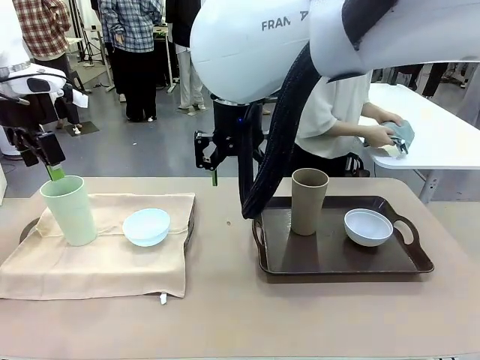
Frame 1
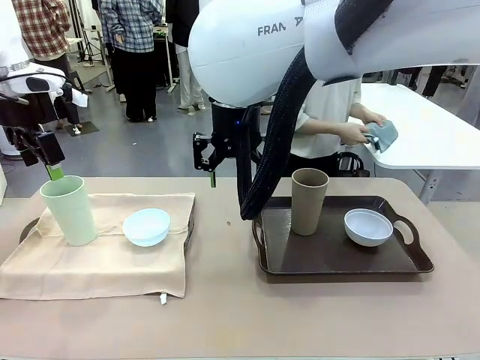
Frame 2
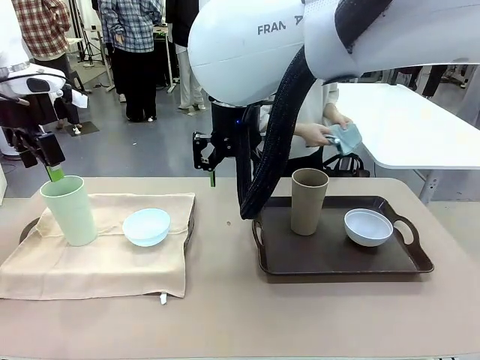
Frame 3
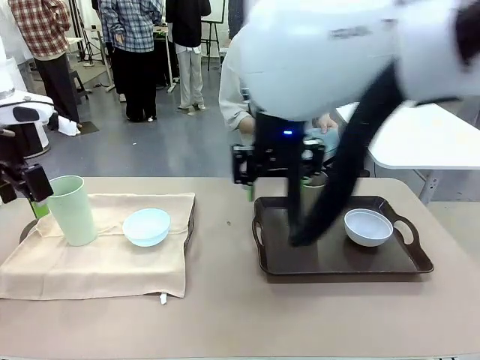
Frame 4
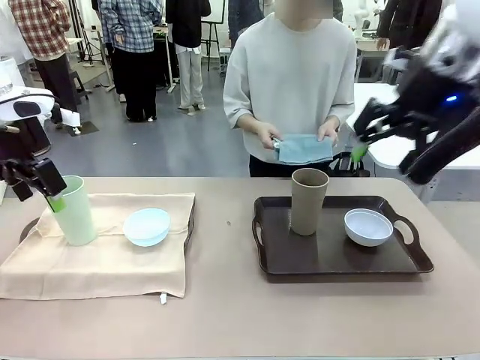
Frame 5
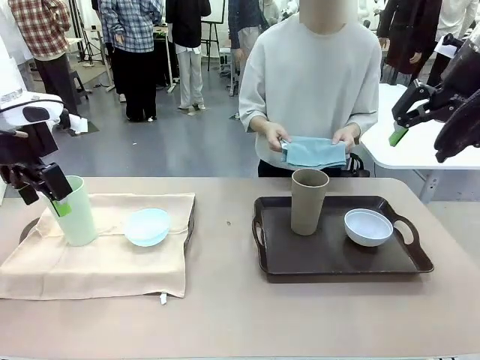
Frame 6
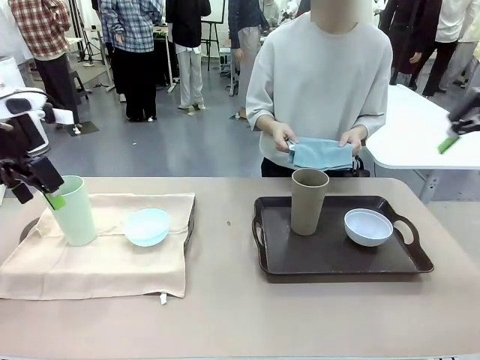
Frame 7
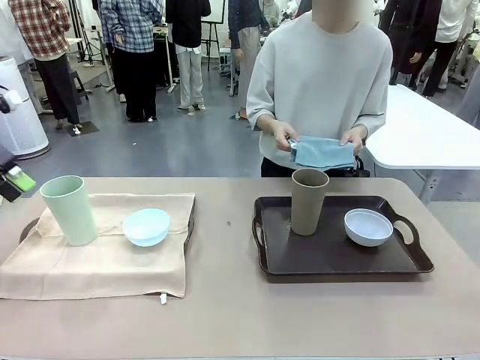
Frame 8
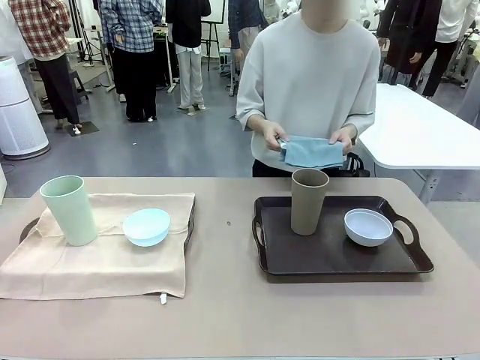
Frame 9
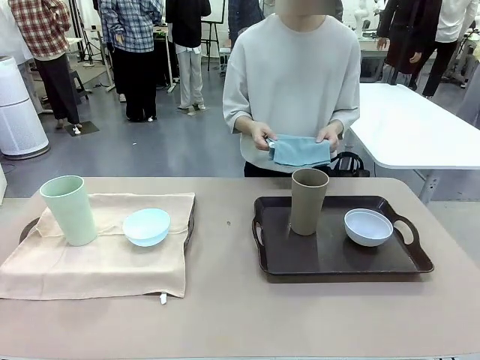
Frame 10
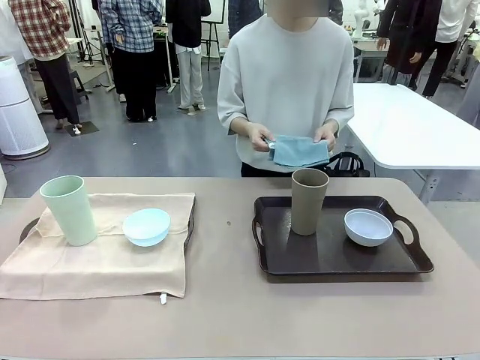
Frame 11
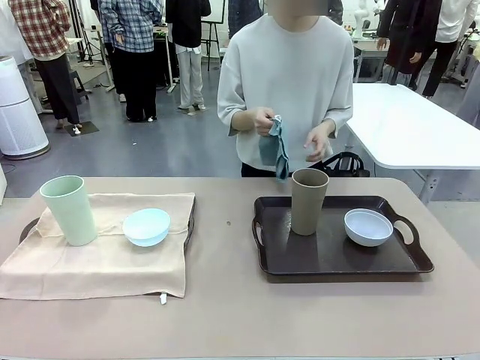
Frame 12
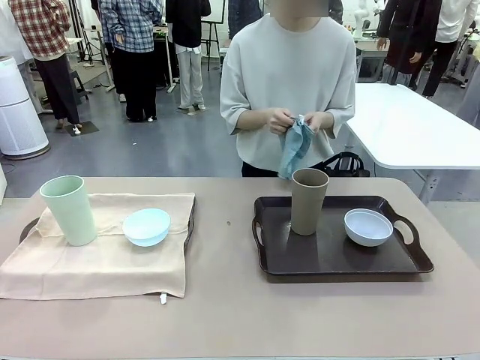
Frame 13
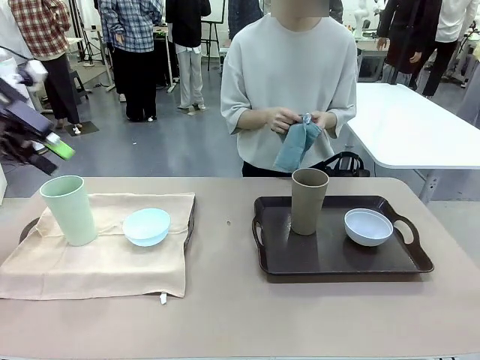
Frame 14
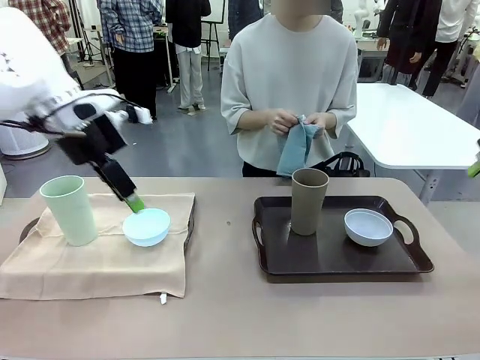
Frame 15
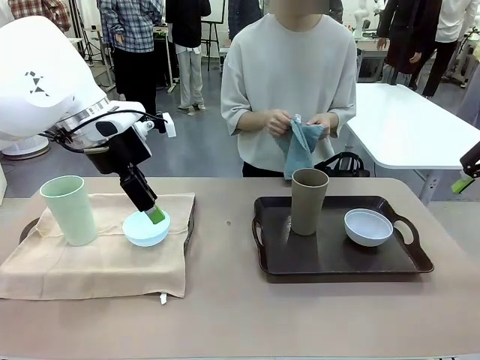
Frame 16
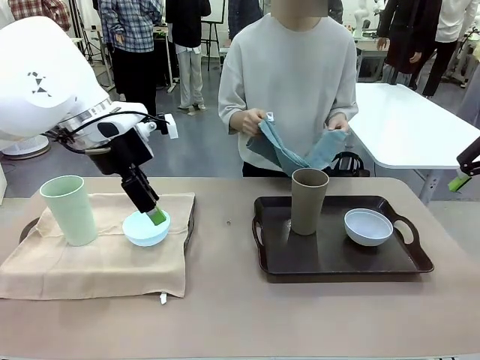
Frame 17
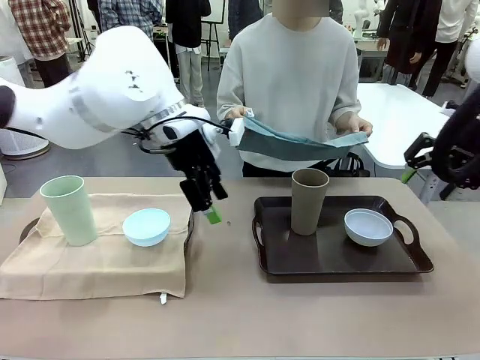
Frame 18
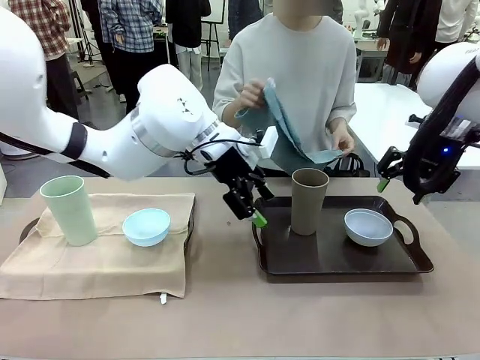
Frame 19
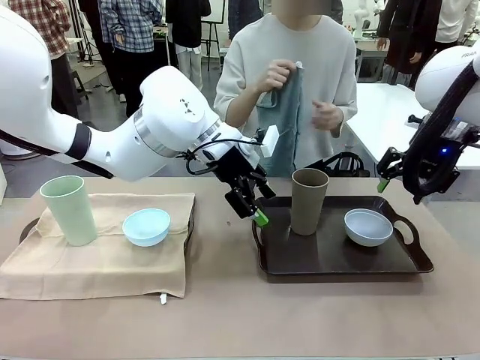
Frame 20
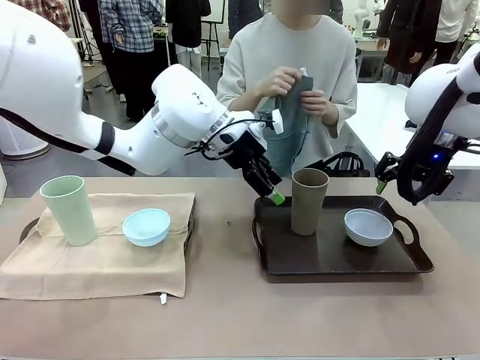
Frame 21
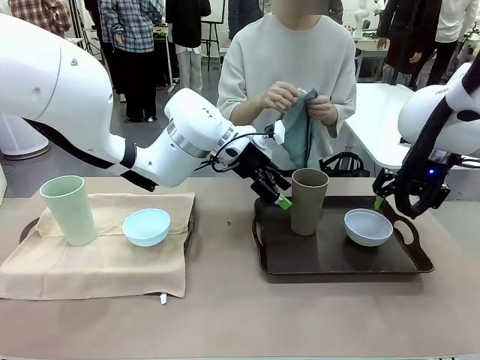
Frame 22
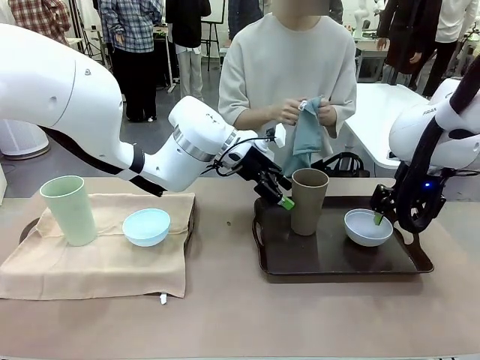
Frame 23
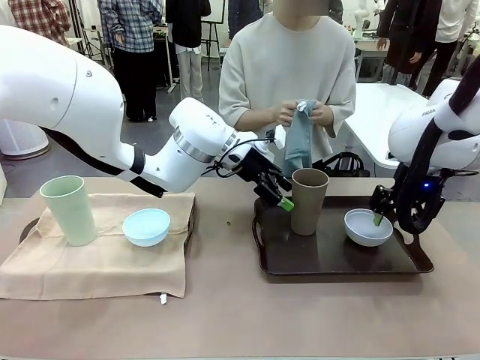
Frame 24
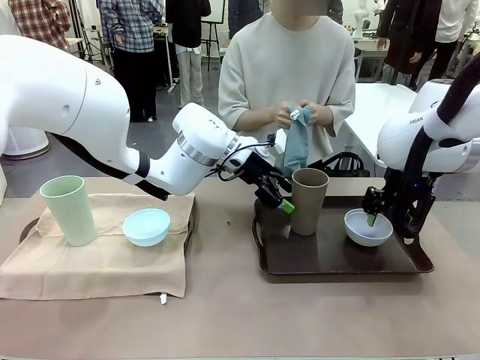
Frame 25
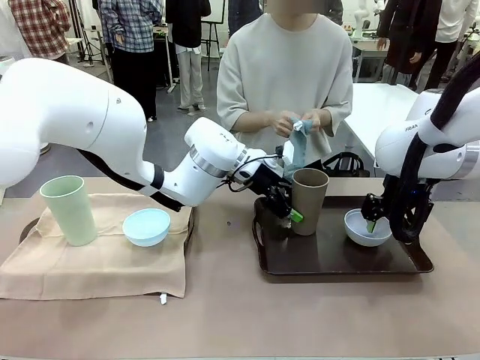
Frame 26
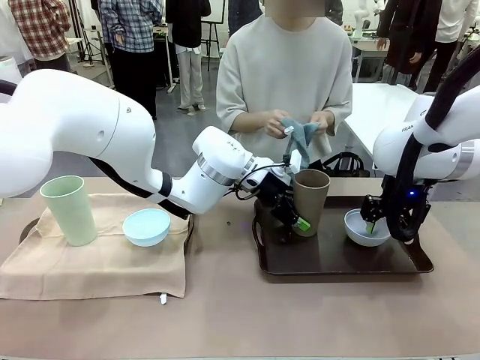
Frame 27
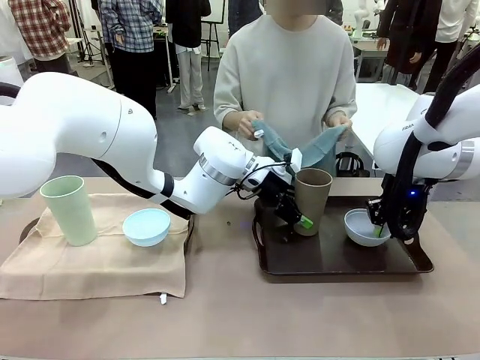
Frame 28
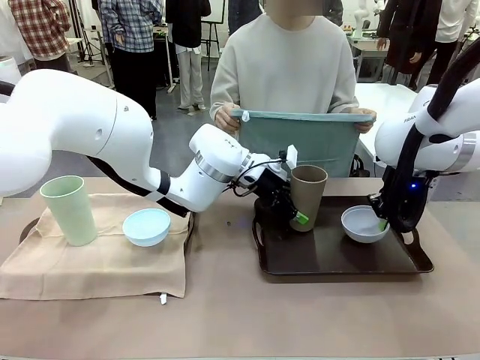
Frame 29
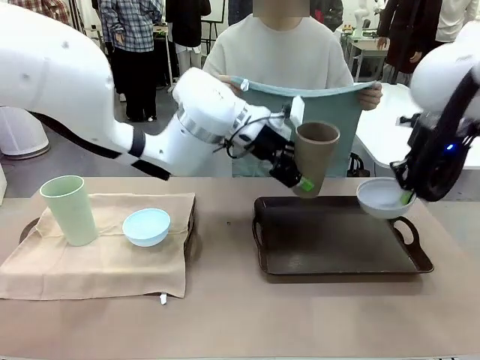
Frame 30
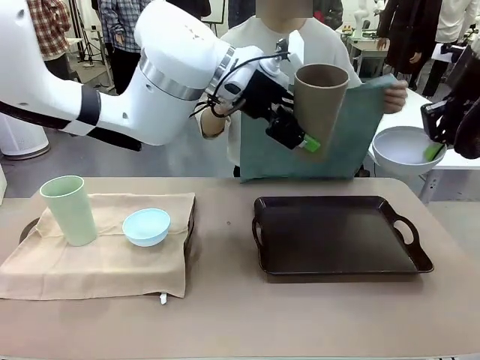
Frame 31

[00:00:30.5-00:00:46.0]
Robot: Pick up the Picnic Bowl and Reusable plastic cup from the Handle tray in front of the human's position and hold them in the air.

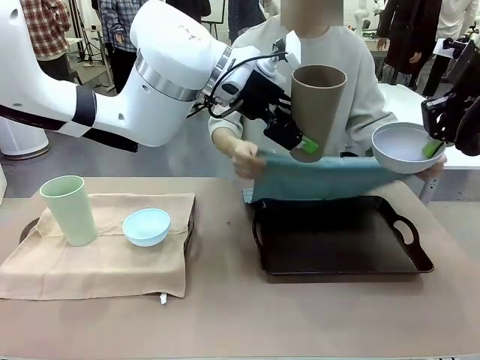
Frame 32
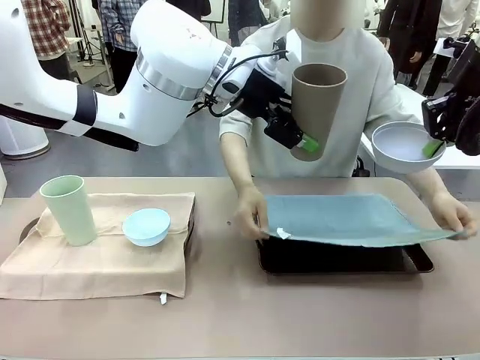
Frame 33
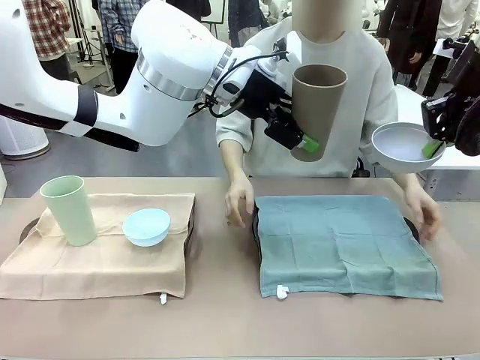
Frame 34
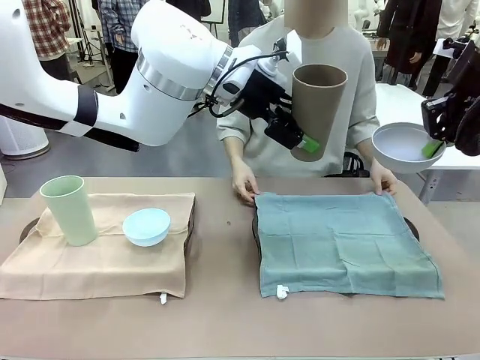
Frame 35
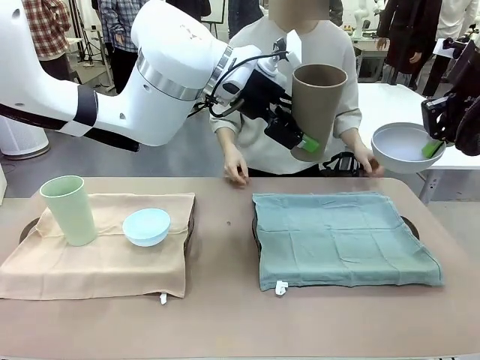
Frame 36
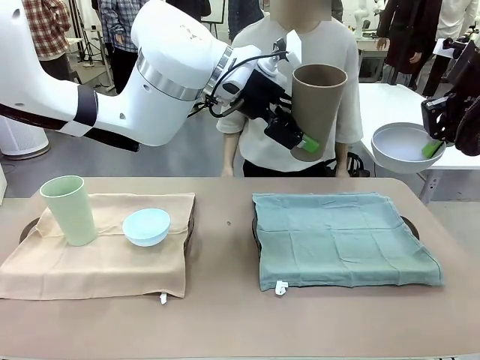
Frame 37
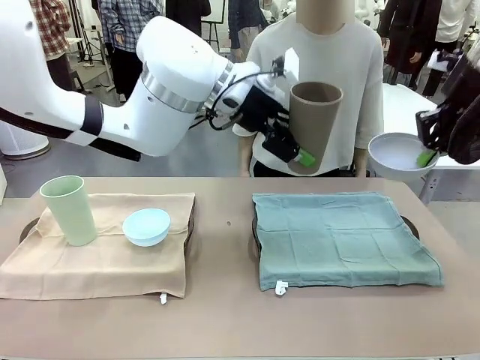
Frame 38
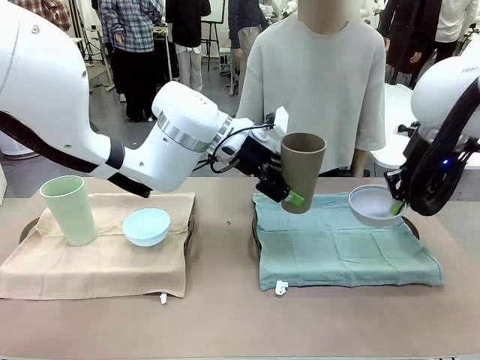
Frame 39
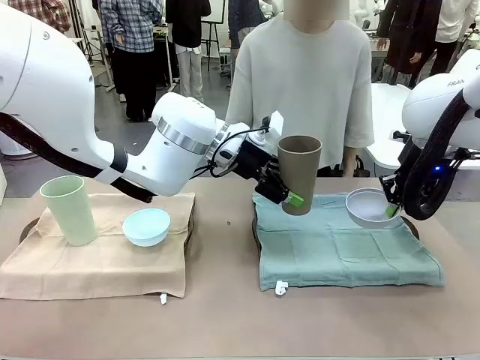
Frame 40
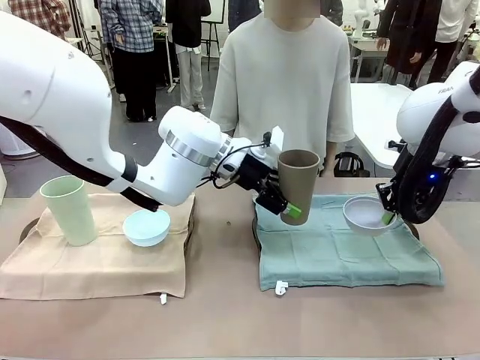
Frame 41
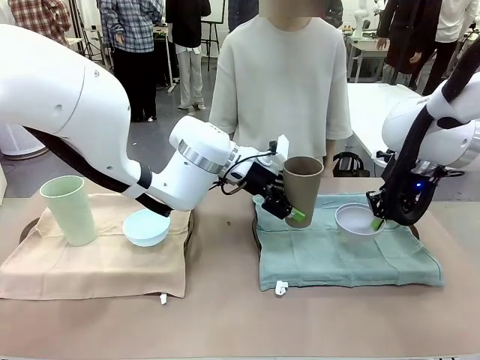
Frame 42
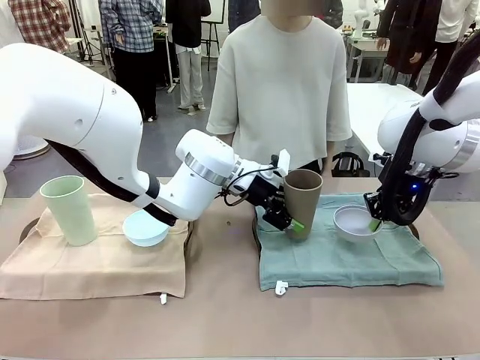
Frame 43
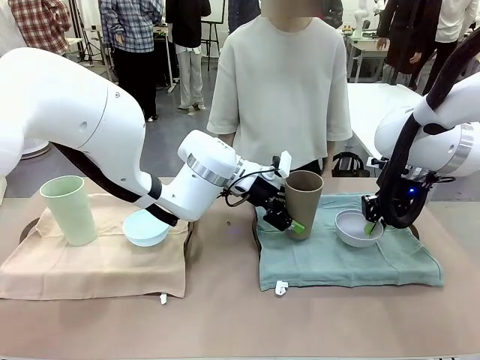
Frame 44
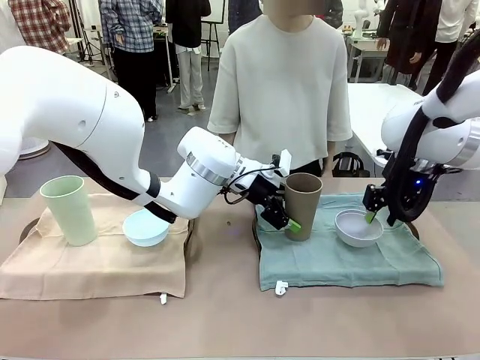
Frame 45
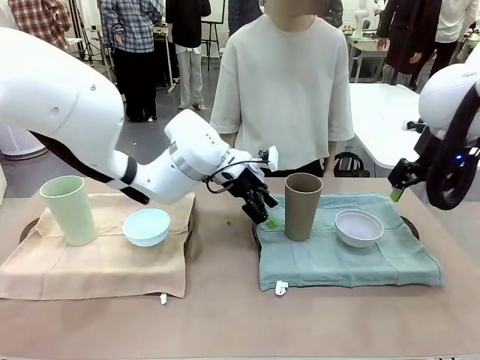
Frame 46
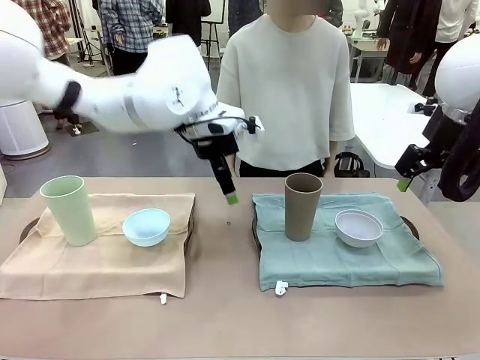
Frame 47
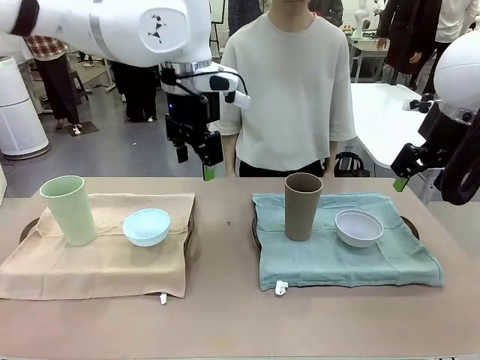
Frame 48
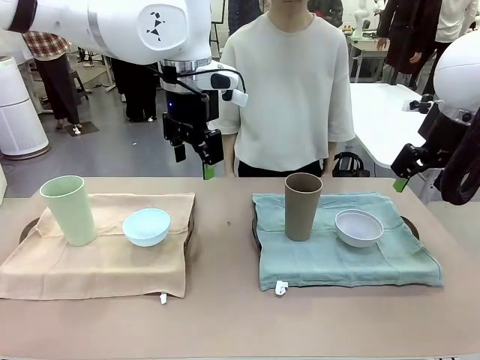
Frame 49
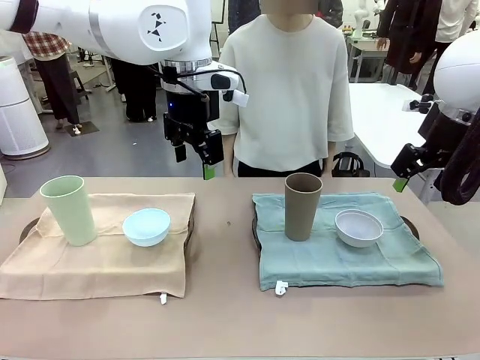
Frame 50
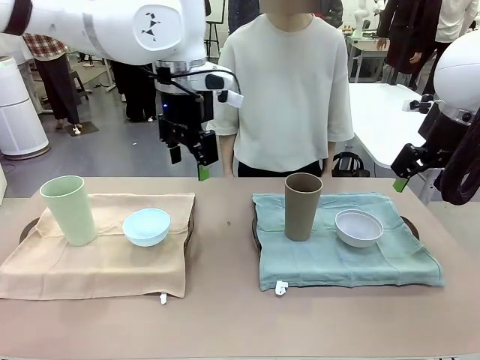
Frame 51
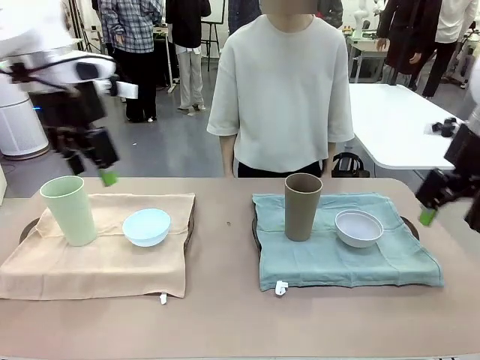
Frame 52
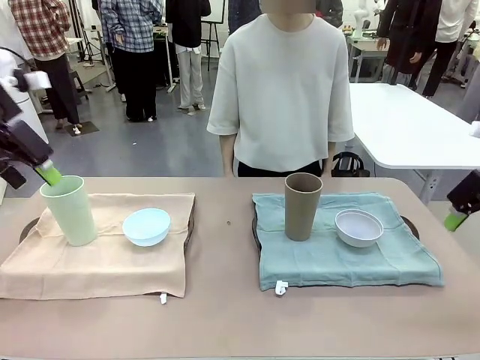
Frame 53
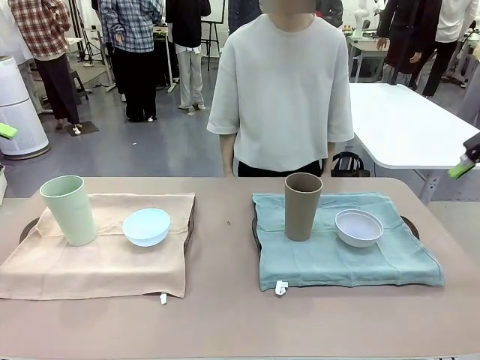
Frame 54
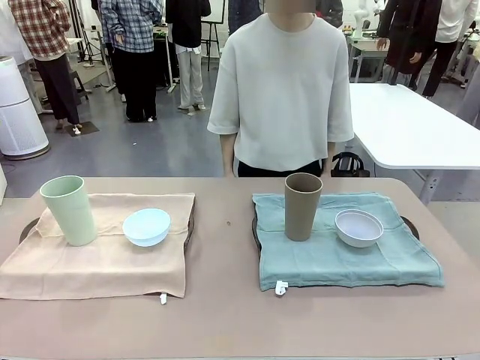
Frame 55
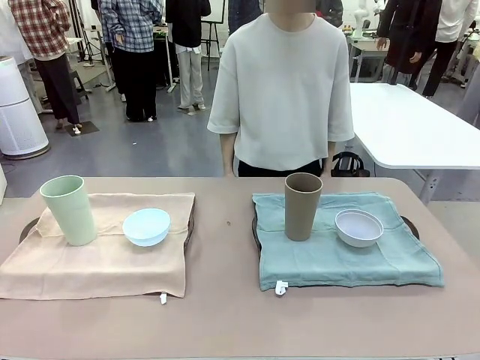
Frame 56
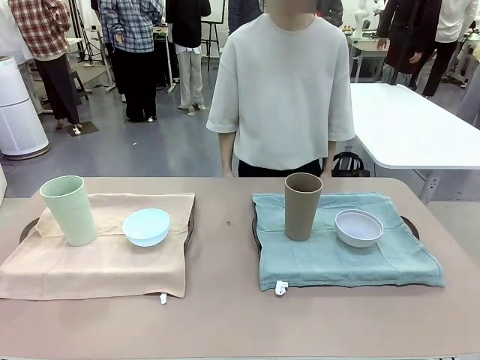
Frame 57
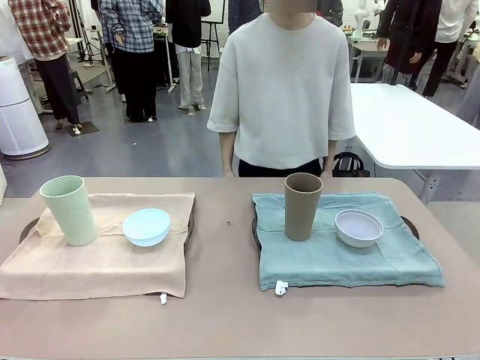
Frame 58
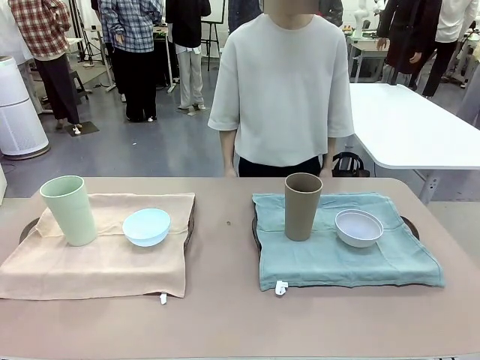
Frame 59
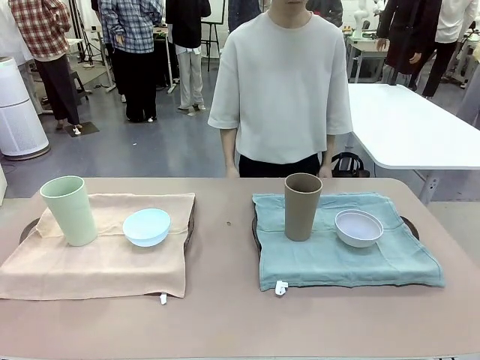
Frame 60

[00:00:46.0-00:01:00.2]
Robot: Place the Picnic Bowl and Reusable plastic cup back onto the Handle tray in front of the human's position.
Person: When the robot lifts the bowl and the cup, the human unfolds the napkin and lays the napkin flat on the tray.
